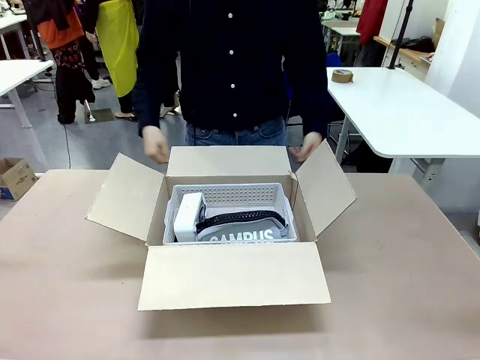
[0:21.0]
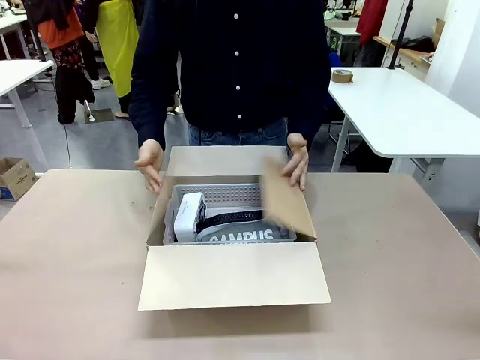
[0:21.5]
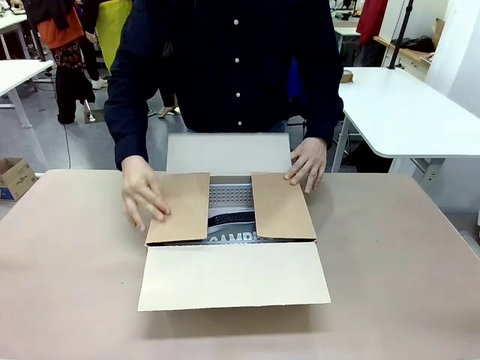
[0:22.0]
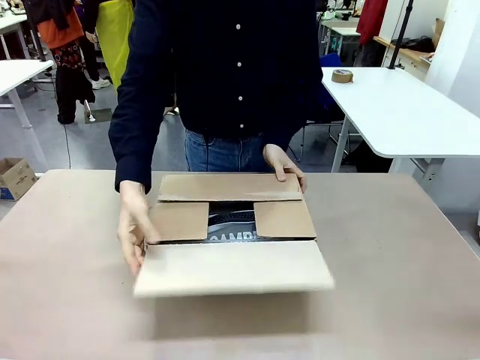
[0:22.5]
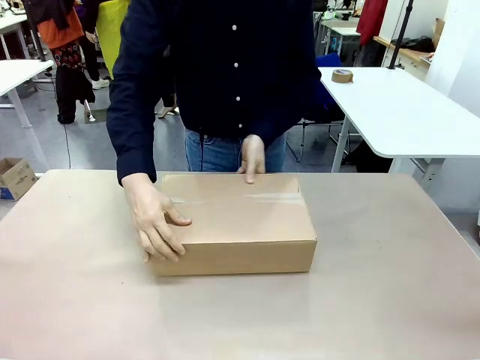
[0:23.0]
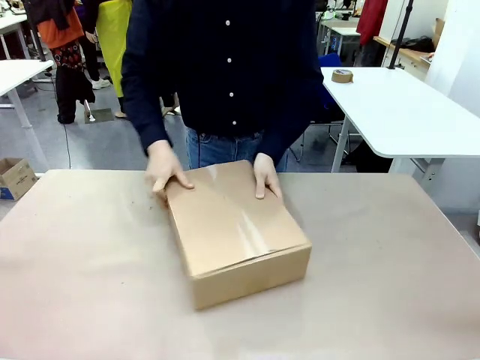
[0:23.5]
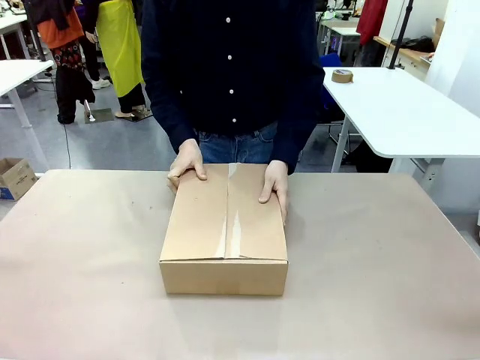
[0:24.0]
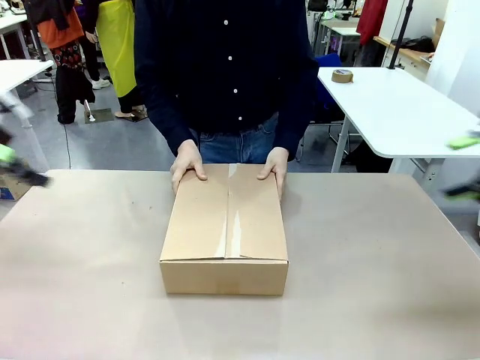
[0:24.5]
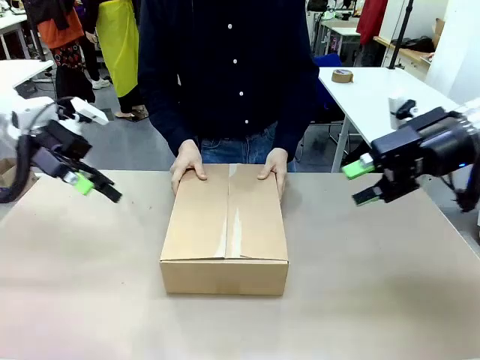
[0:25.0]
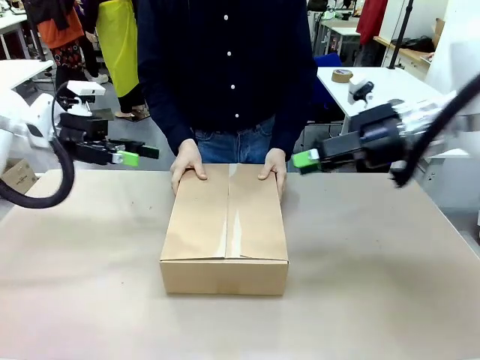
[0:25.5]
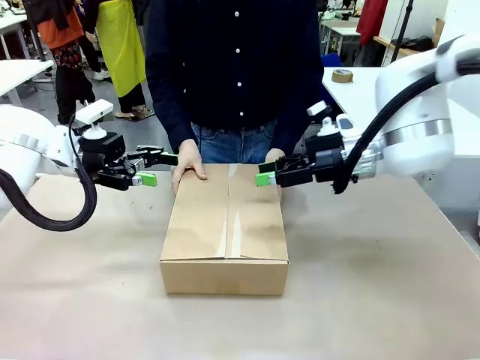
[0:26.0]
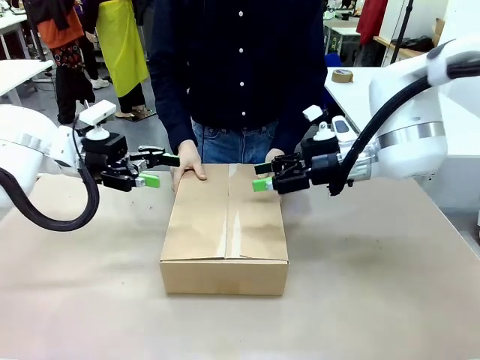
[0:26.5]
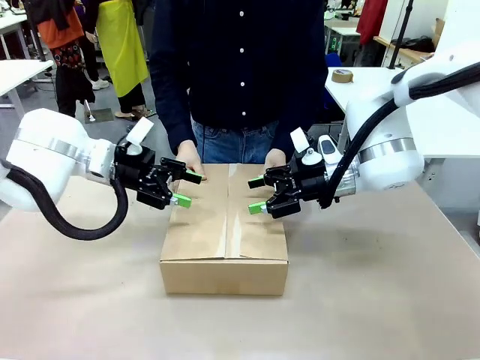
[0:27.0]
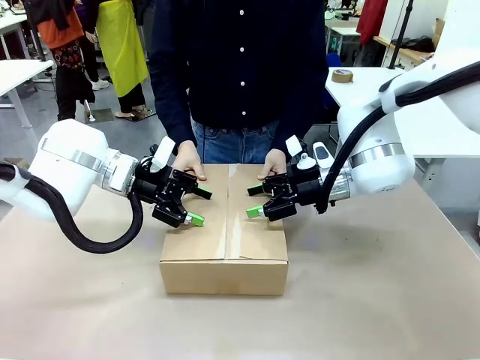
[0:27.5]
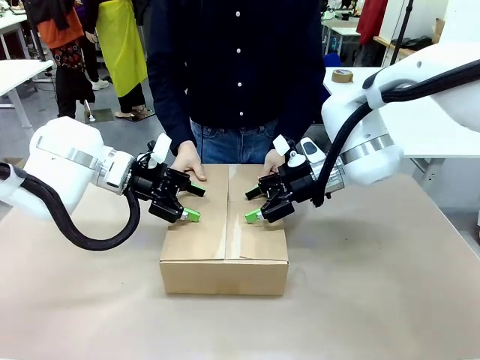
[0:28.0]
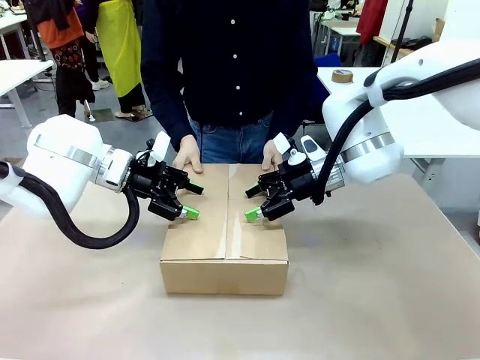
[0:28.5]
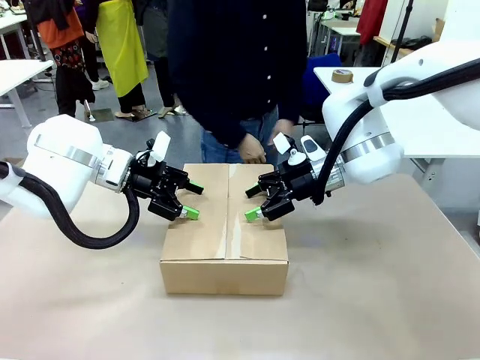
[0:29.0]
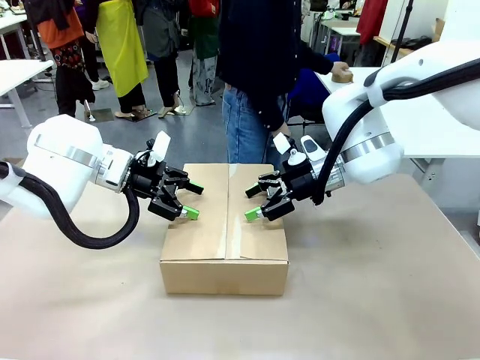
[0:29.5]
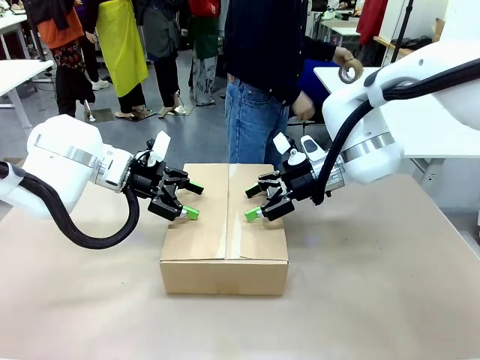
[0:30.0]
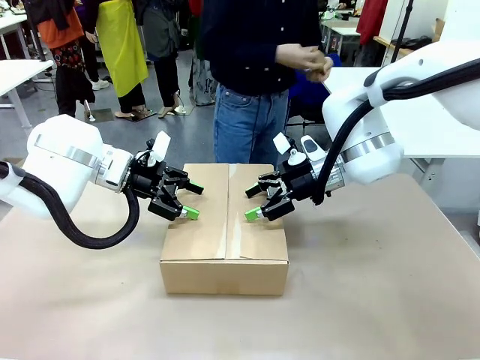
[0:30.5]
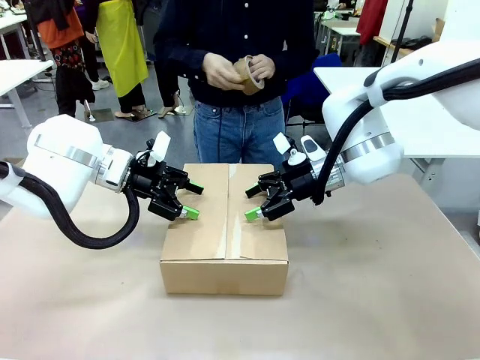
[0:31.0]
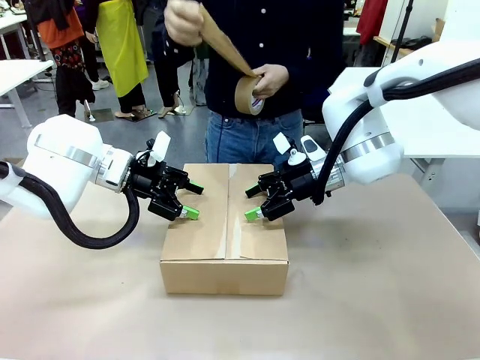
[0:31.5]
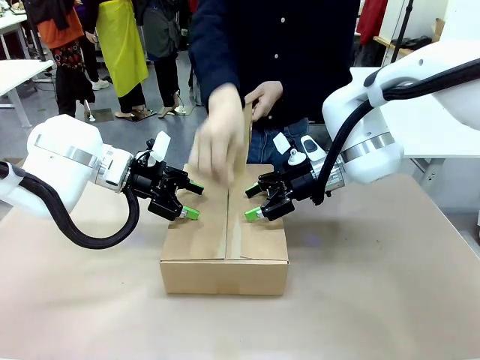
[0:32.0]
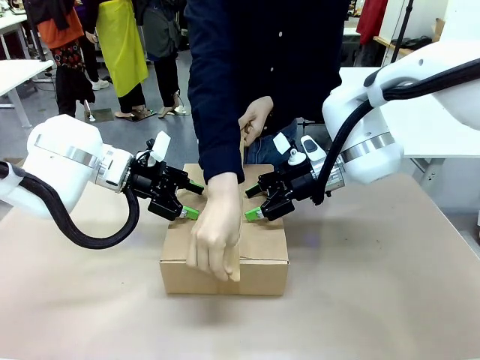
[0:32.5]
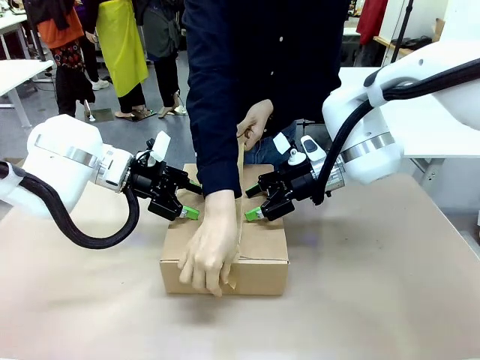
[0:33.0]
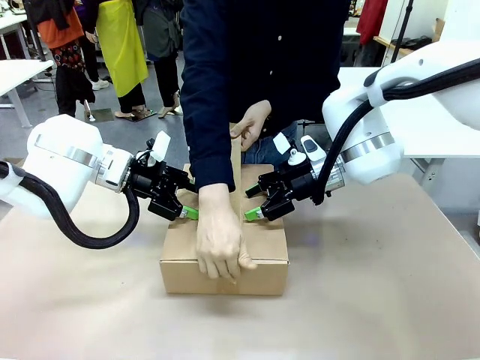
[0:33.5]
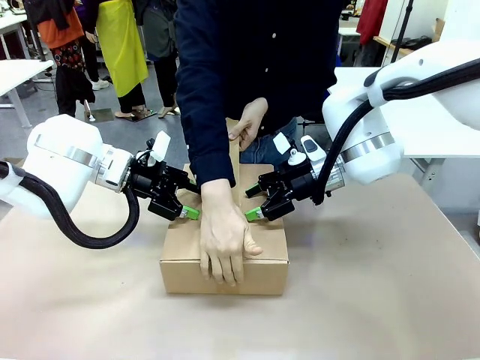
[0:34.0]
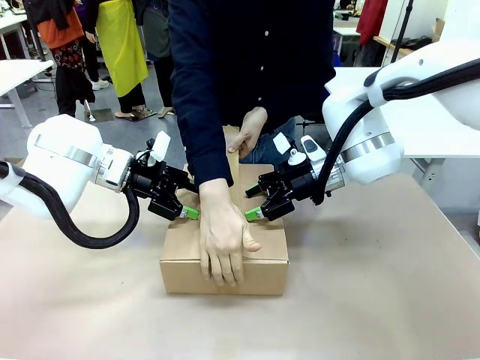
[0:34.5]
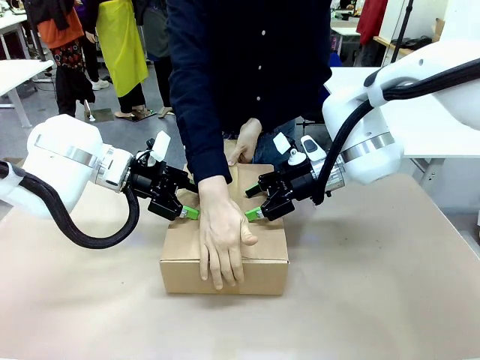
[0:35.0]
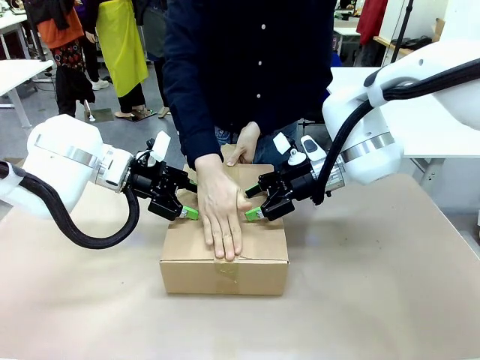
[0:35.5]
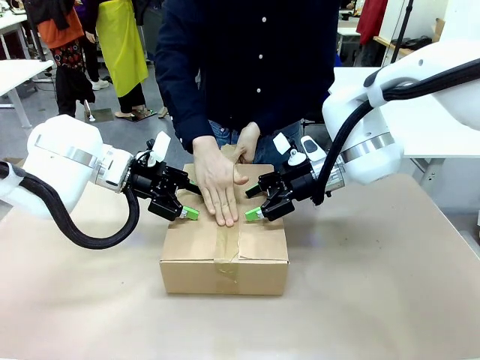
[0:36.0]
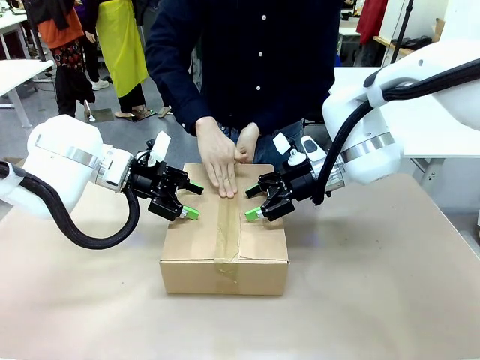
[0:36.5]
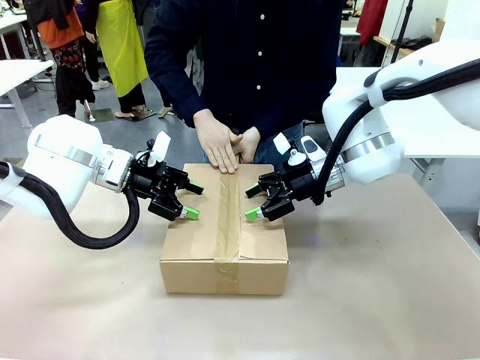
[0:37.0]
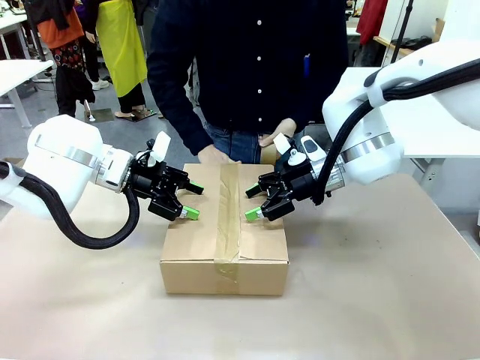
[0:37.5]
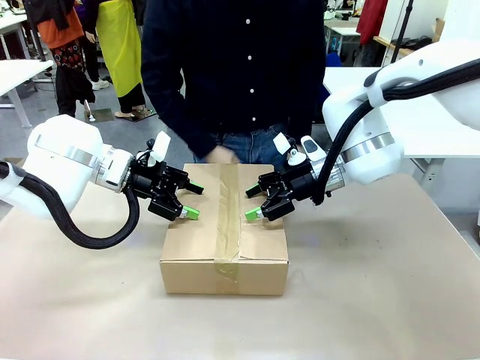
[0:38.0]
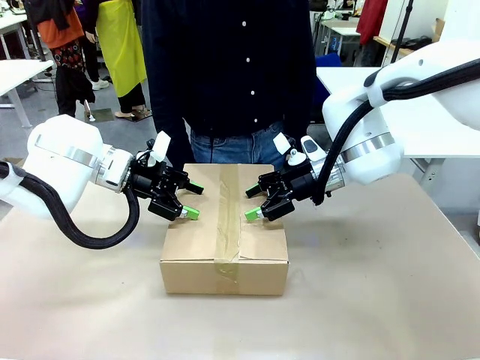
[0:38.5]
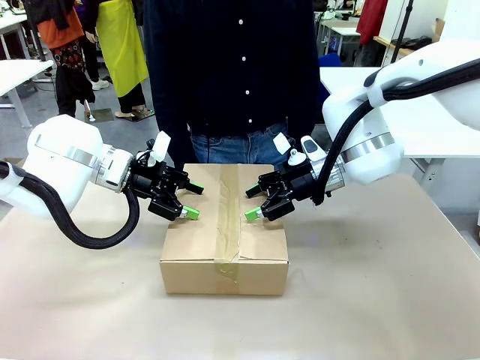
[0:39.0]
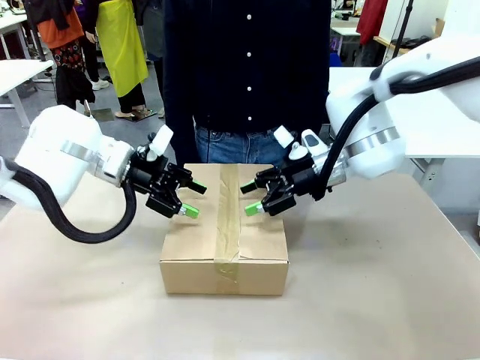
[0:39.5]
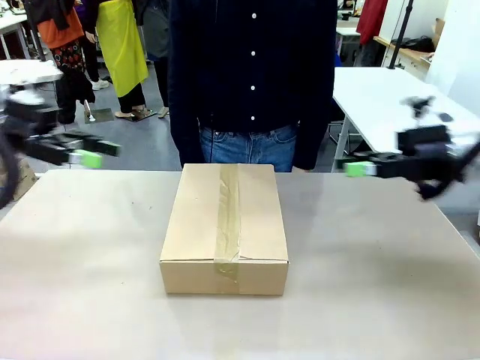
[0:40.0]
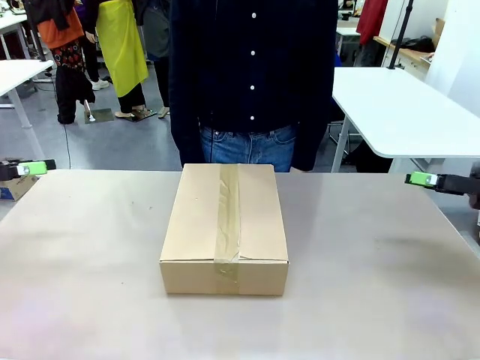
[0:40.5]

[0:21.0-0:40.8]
Task: Pack the gift set into the box.
Robot: Press and hold the closed box until the human finishes sealing it.
Person: The human closes the box and rotates the box by 90 degrees. The human picks up the paper tape from the human table and packs the box.

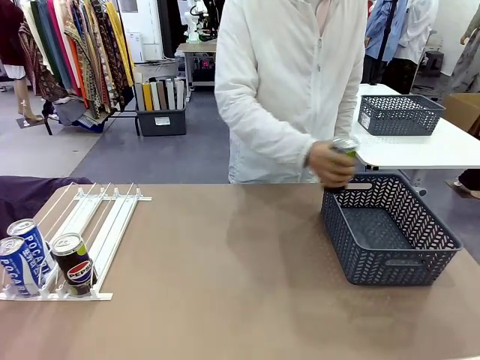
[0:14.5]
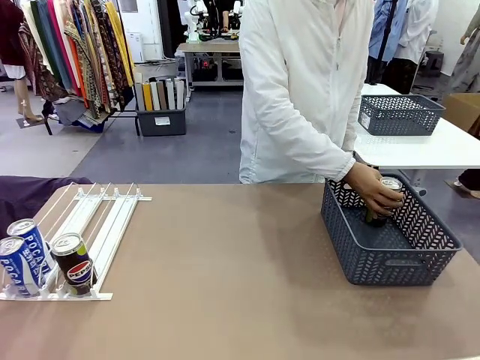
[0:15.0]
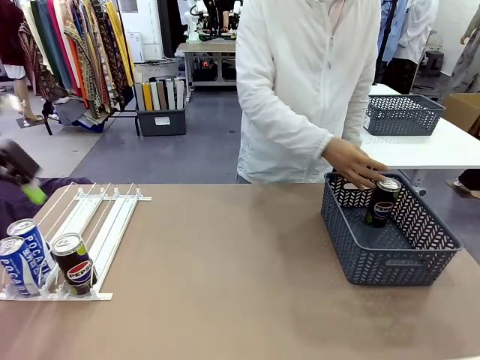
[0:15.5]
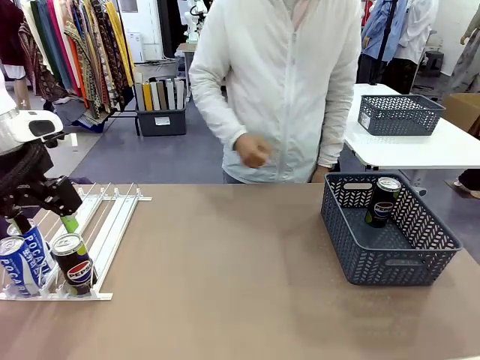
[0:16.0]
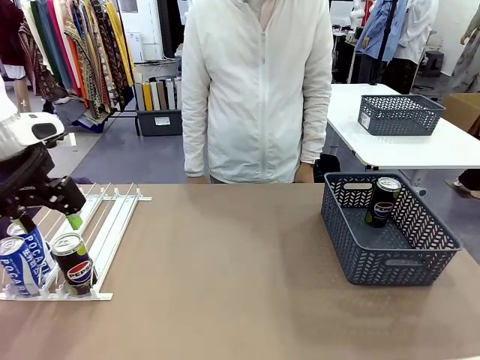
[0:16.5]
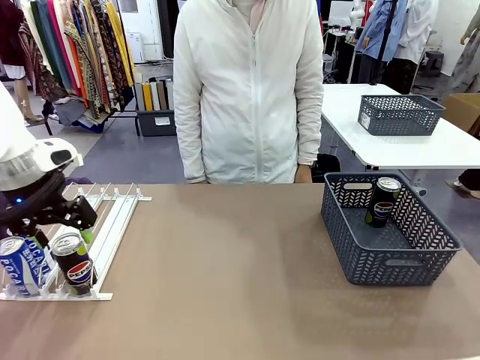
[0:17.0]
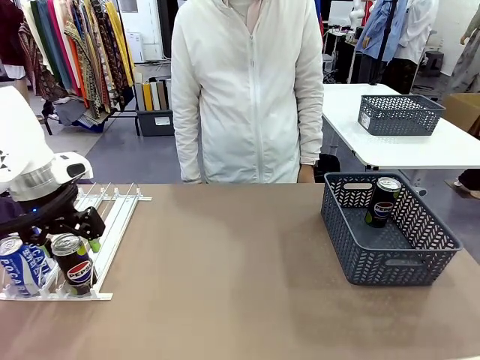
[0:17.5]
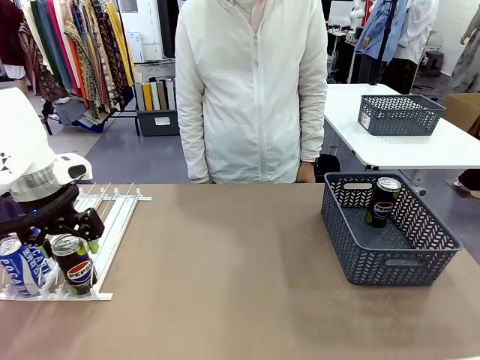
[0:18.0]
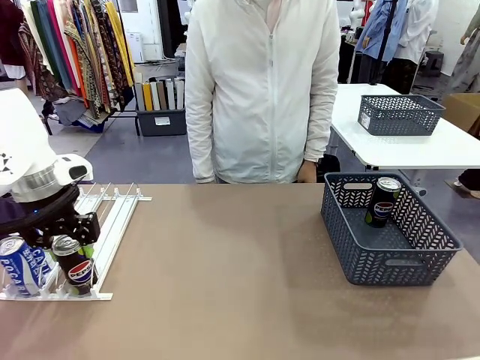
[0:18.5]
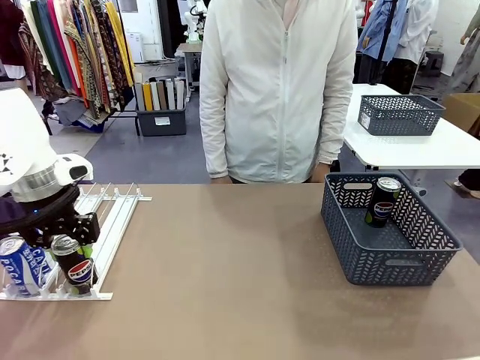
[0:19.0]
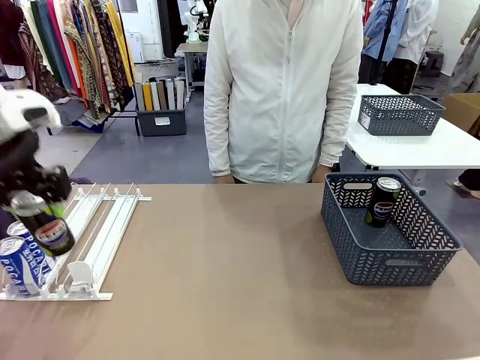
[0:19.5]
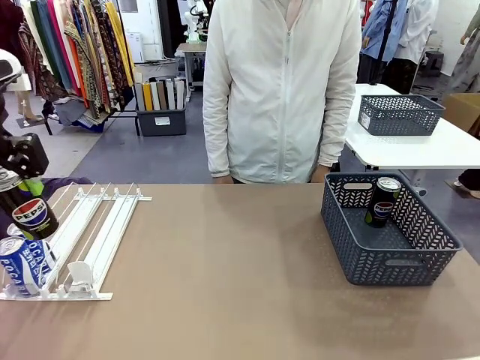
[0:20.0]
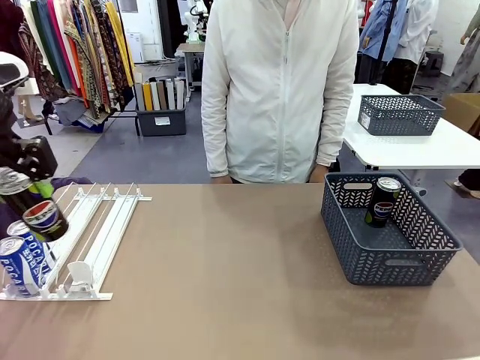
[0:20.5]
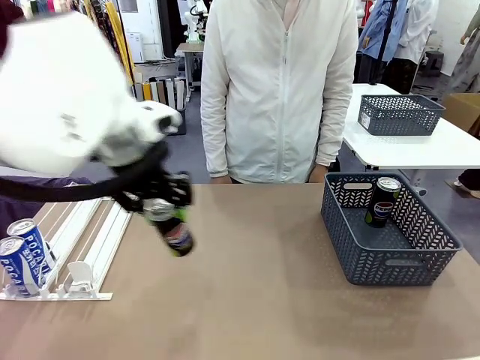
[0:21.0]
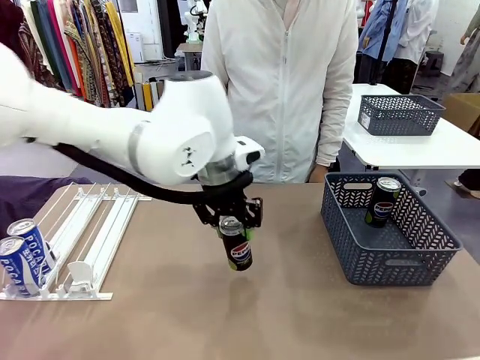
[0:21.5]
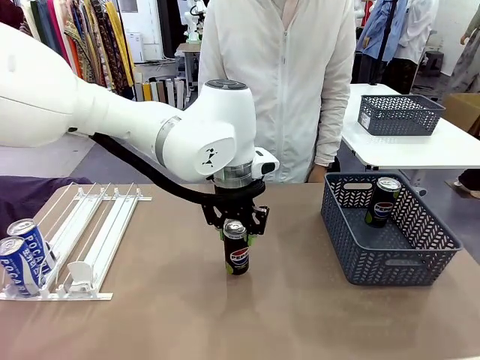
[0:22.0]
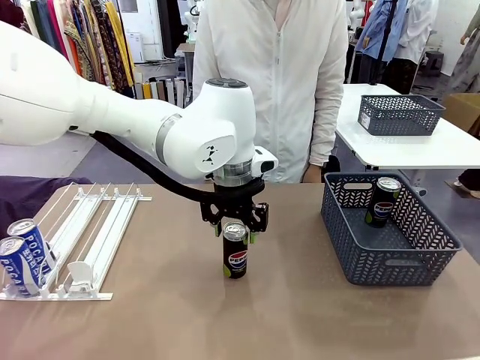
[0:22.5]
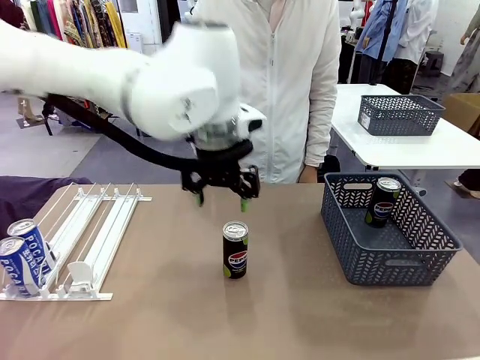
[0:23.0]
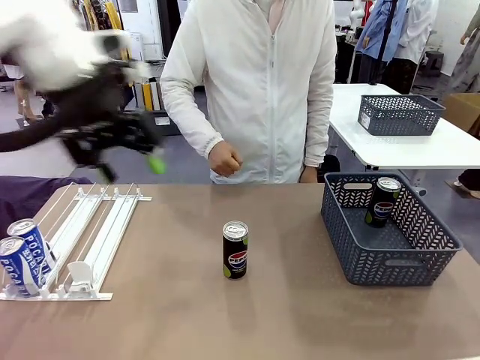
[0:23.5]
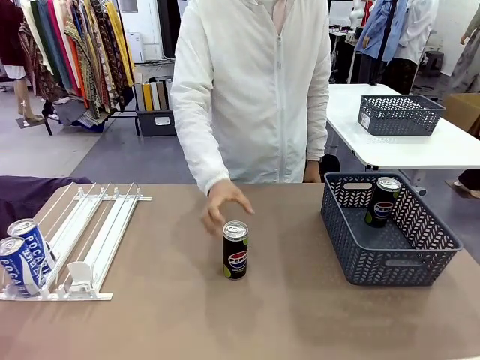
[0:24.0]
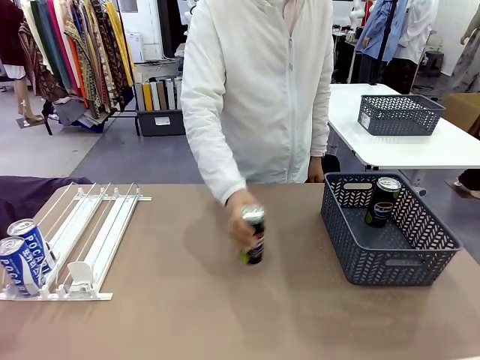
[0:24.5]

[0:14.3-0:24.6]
Task: Retrieve and store the cans from the dispenser.
Robot: Pick up the last remaining can from one row of the Automatic Can Dispenser and place it in the middle of the table.
Person: Pick up one Pepsi can from the middle of the robot table and place it in the basket.
